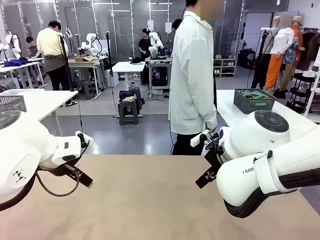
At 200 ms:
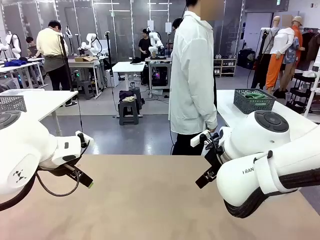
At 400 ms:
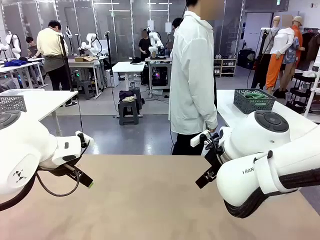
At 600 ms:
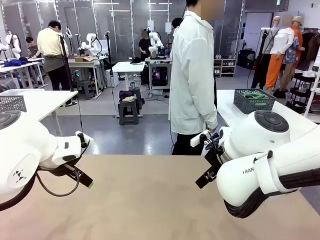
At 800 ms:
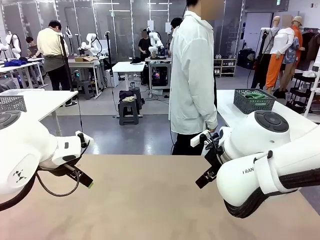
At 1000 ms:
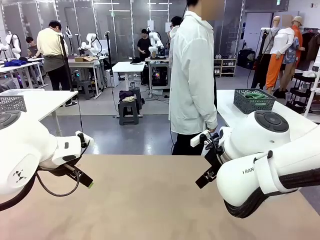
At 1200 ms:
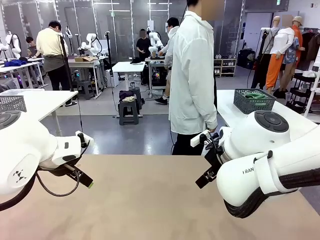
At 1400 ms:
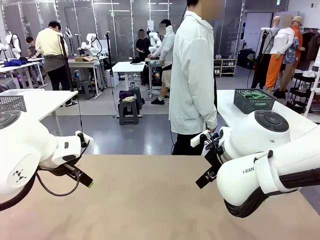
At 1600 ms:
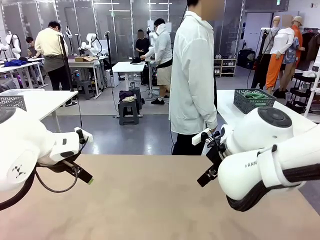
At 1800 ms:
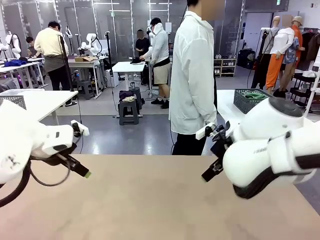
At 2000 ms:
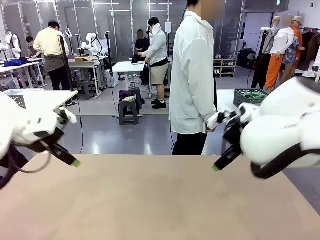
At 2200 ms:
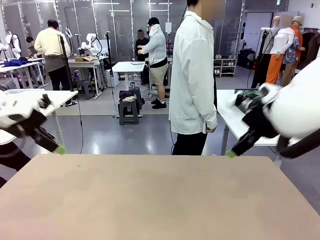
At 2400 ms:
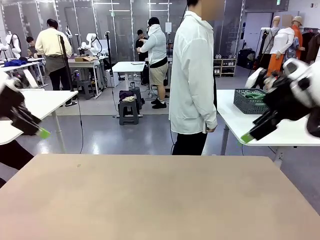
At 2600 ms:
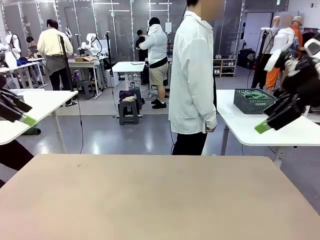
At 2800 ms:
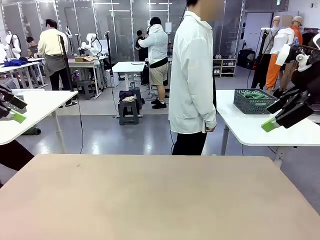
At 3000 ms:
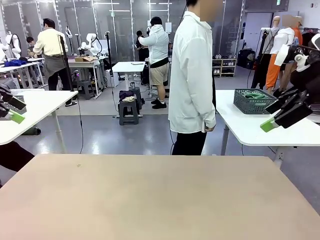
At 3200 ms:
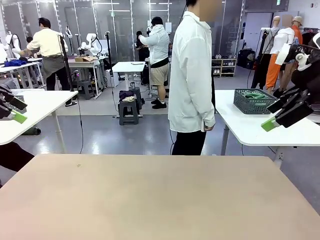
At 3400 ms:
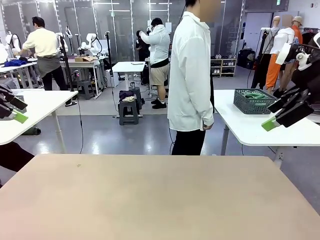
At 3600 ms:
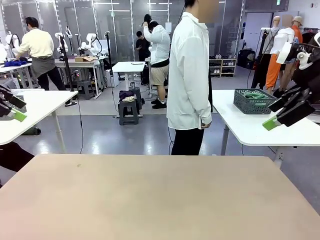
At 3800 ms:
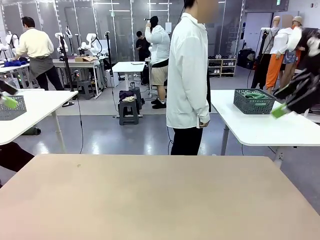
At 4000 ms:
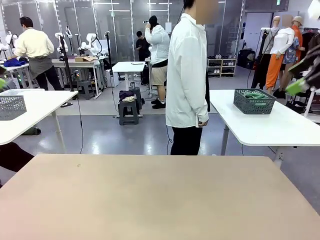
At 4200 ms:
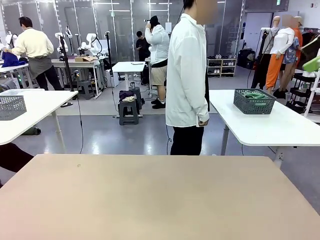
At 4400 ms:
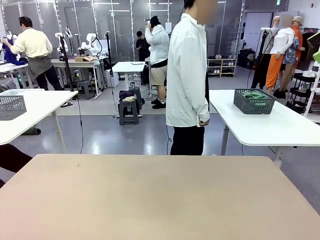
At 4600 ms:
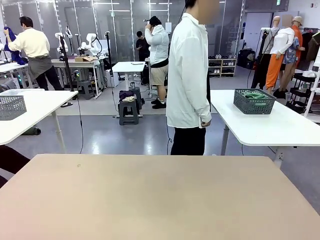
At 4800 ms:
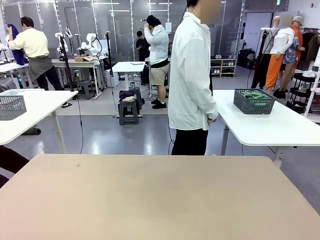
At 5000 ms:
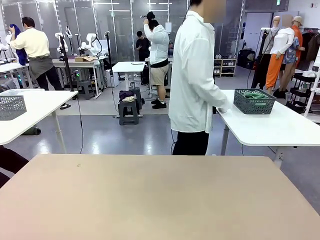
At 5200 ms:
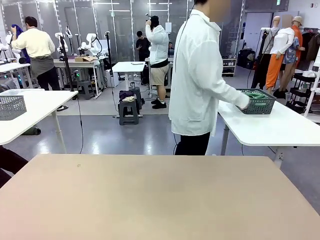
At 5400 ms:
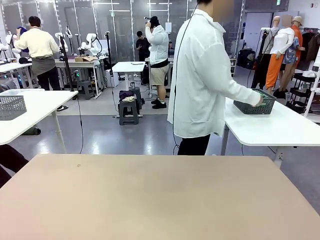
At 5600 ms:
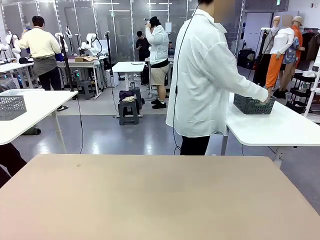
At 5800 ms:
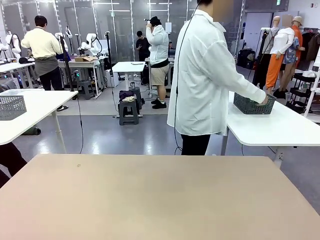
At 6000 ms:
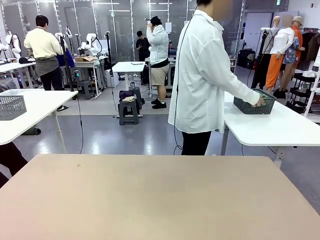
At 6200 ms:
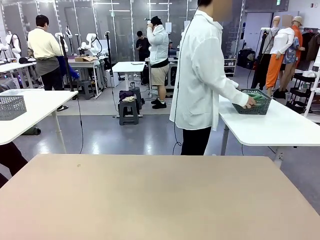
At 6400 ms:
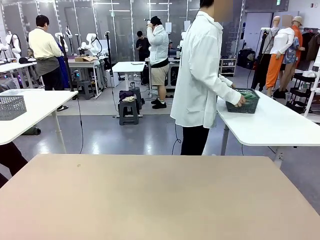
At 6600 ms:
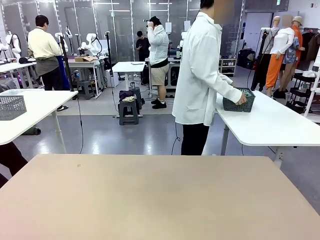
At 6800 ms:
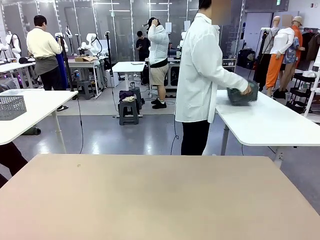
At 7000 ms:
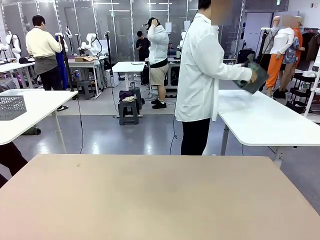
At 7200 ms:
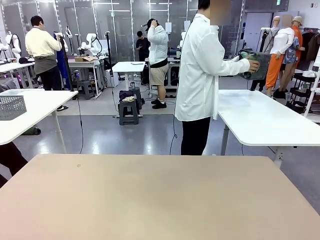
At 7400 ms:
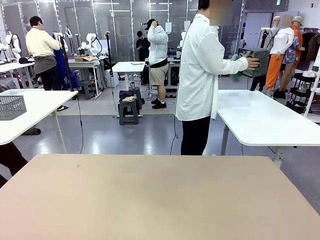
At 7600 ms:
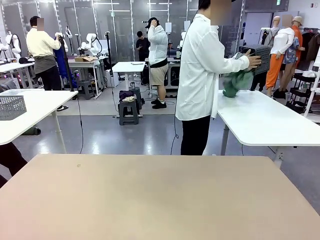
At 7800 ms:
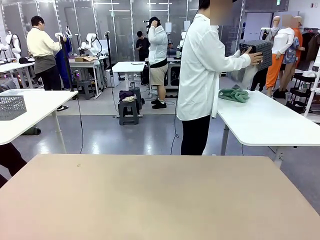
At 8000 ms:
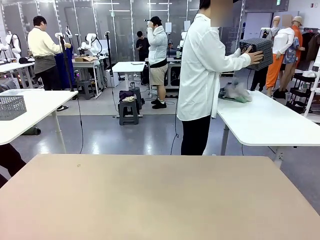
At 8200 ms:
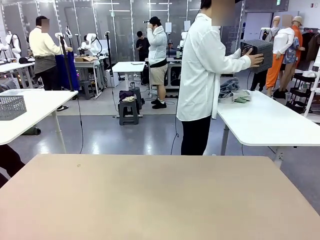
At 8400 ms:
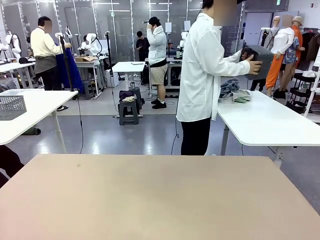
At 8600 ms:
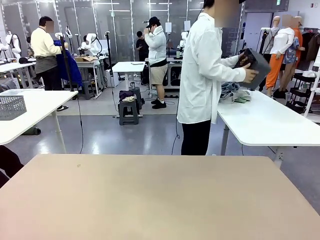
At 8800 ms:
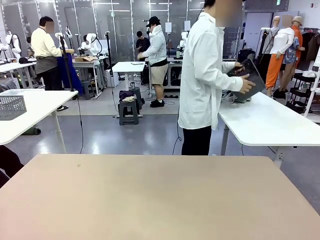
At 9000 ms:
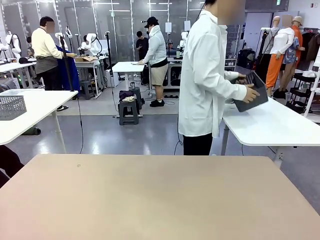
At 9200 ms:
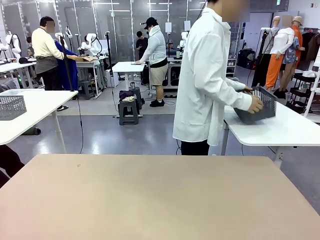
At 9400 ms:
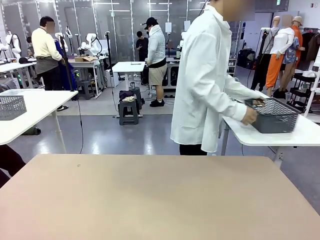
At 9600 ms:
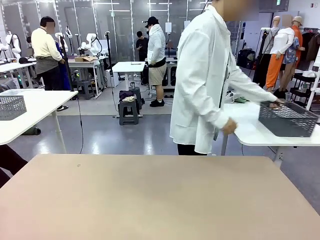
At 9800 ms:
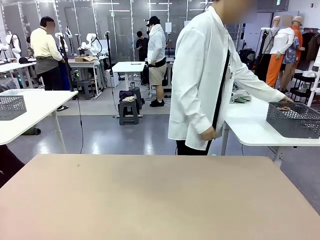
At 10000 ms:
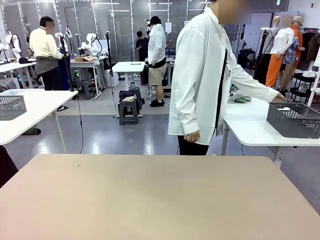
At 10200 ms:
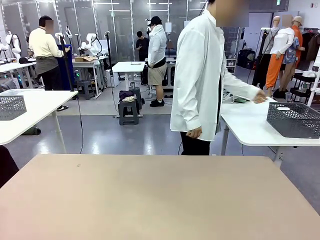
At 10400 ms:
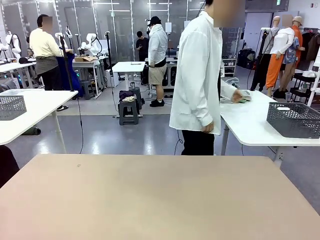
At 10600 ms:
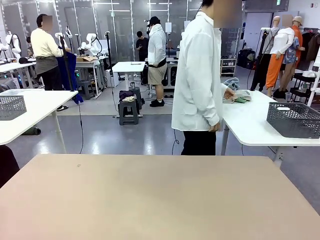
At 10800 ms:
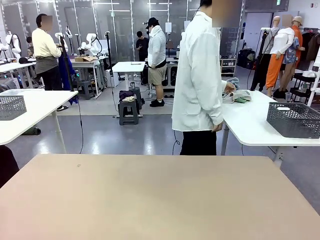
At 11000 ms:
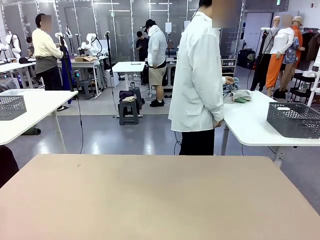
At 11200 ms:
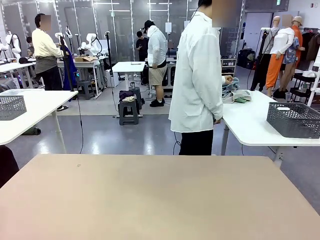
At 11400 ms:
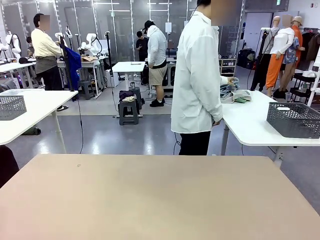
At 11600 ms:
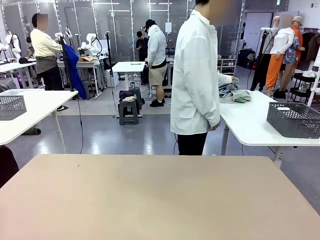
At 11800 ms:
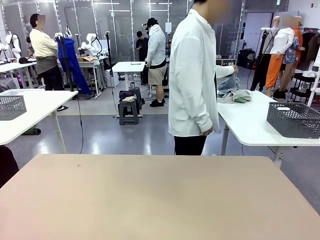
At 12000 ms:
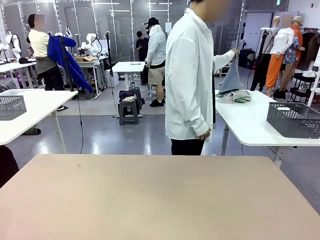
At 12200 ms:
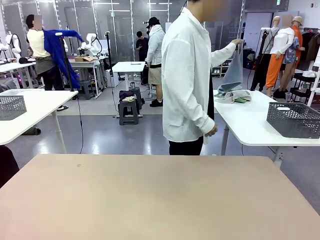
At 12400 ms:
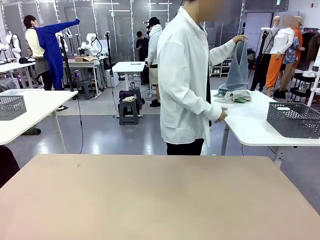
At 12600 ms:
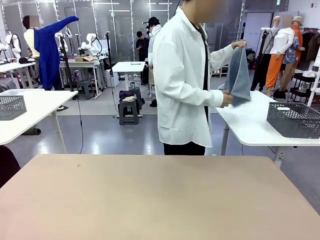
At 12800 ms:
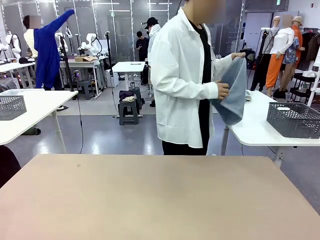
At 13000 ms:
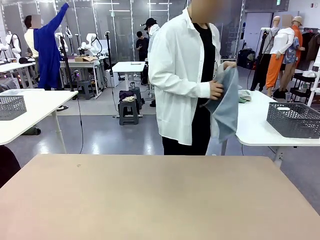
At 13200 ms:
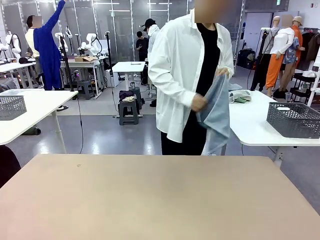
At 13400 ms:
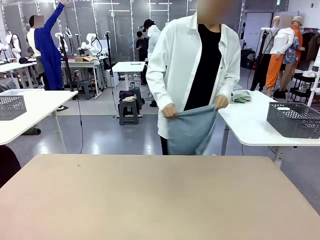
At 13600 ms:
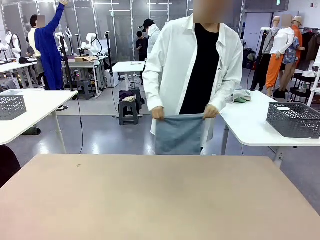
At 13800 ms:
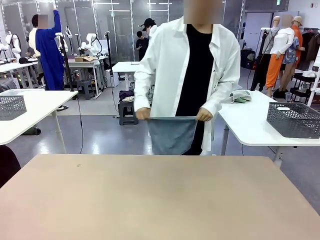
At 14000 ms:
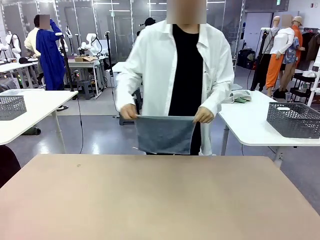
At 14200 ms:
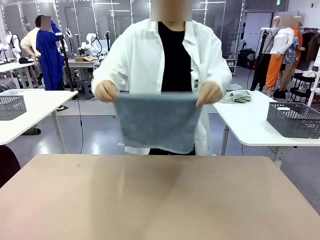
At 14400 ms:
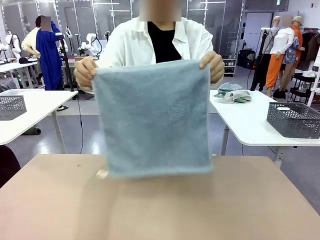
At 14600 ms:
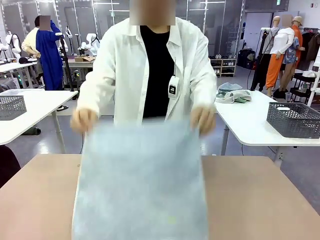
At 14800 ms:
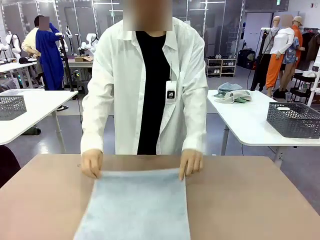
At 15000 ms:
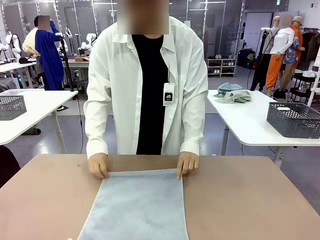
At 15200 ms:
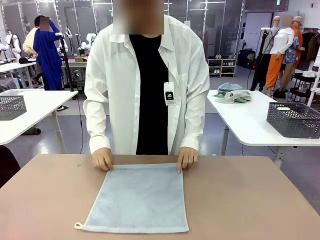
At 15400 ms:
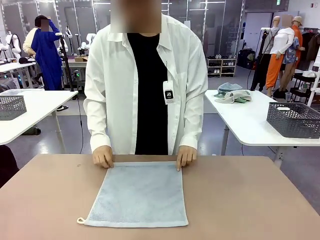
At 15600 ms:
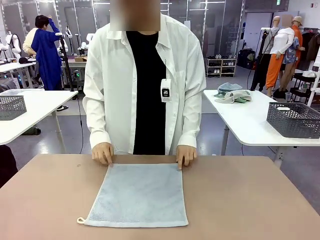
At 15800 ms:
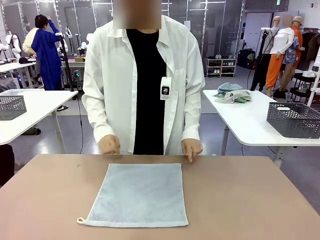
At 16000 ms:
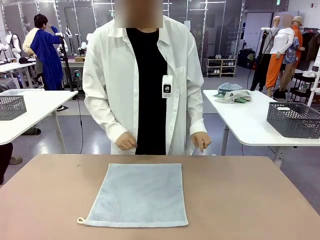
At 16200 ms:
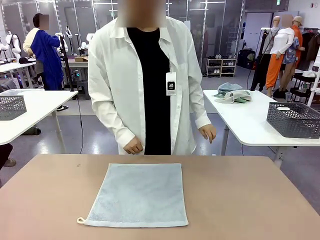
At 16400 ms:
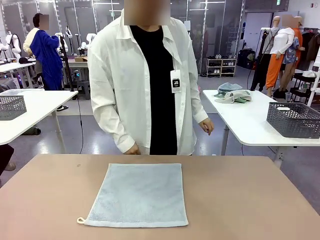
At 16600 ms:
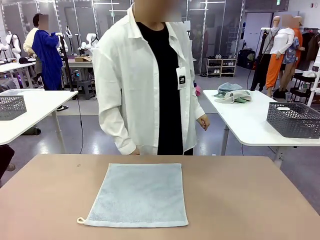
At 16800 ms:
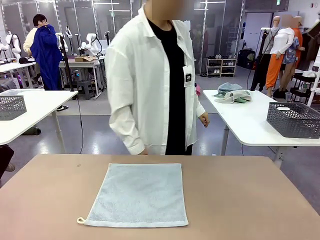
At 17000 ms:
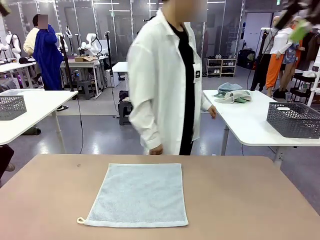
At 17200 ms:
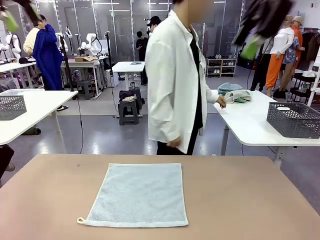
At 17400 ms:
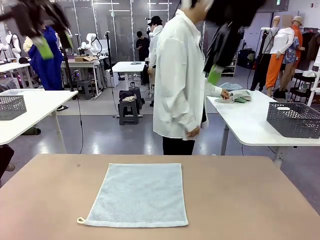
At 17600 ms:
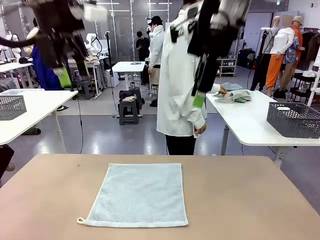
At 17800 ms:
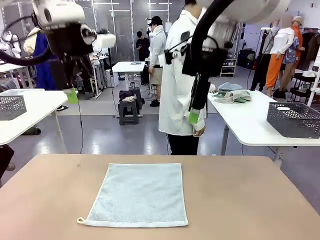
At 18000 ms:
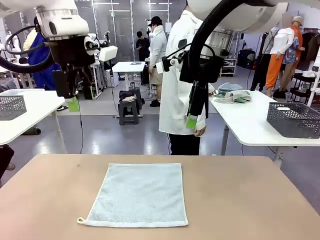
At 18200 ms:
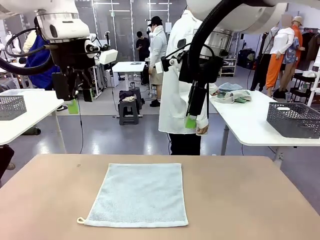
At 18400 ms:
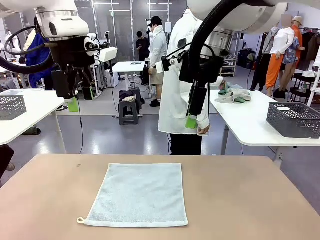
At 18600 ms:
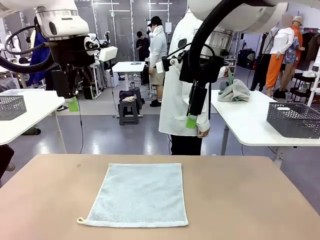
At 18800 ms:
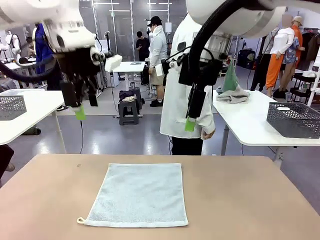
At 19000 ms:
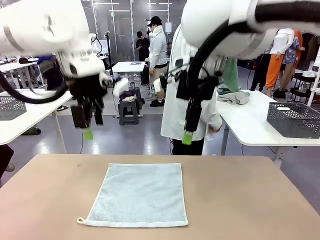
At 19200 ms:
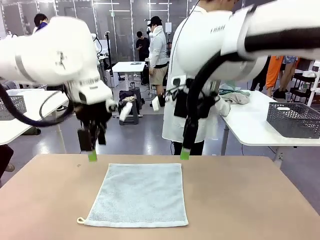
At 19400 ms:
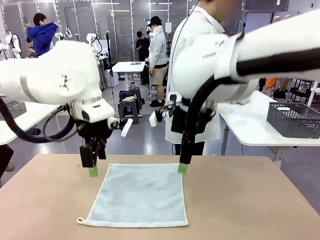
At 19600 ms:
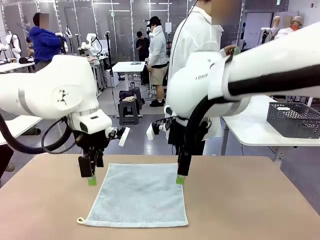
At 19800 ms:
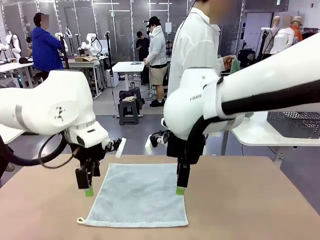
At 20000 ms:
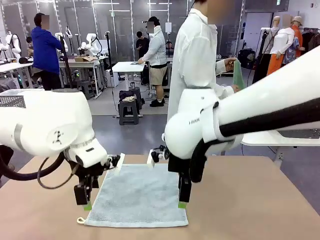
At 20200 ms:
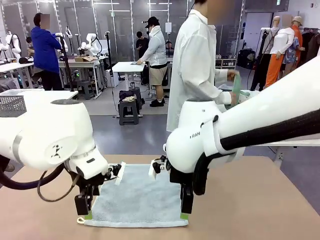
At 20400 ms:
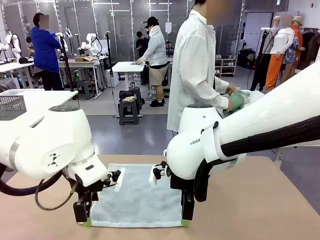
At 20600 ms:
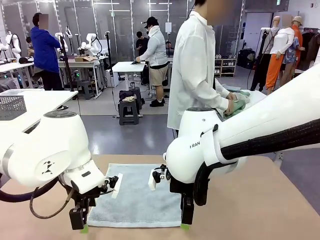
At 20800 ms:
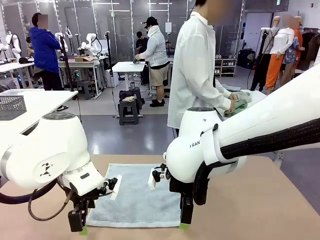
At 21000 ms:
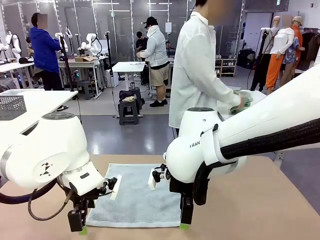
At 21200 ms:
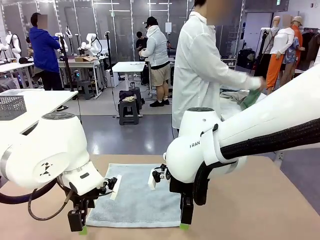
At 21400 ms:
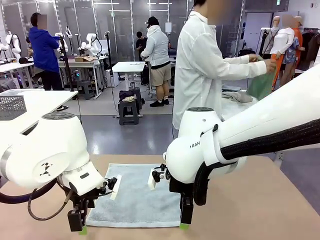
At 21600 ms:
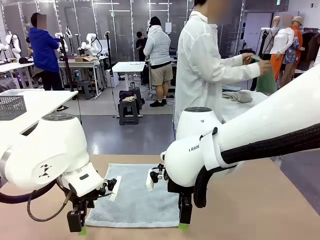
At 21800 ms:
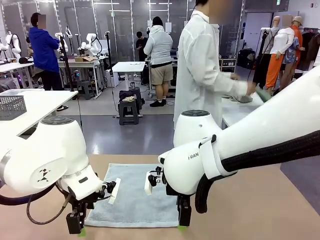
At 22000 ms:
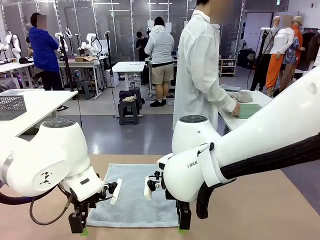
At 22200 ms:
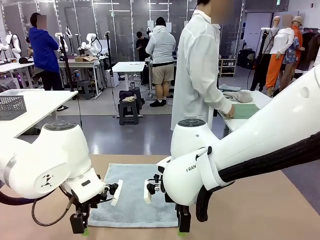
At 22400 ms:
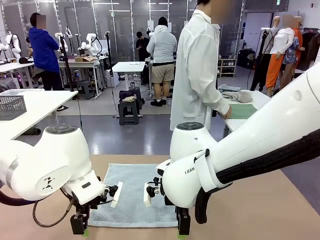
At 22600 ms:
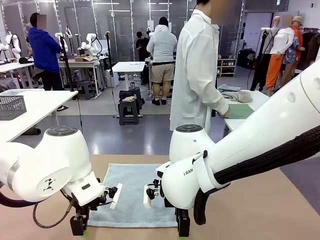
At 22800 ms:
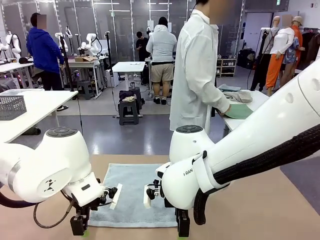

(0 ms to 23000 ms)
Task: Fold the towels and place them in the basket.
Robot: When a person lays out a Towel with hook on the table, fold it in half twice.
Person: Pick up the basket, pour the towels onto the left side of the human table, and place the basket on the right side. Pick up one towel and spread it out at the center of the robot table.
